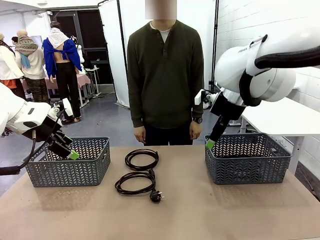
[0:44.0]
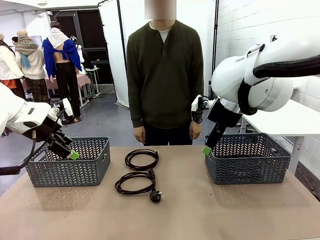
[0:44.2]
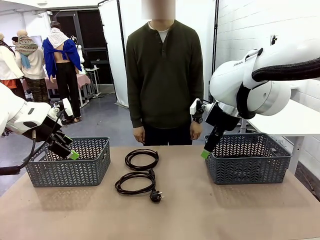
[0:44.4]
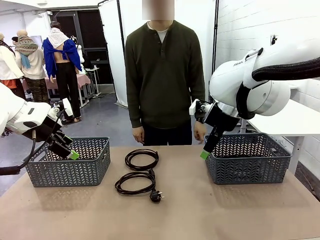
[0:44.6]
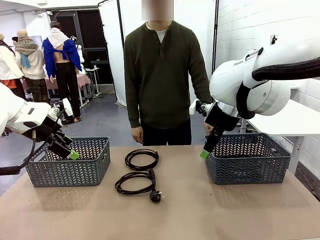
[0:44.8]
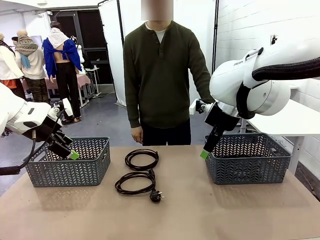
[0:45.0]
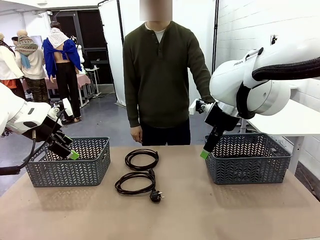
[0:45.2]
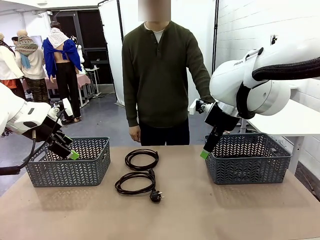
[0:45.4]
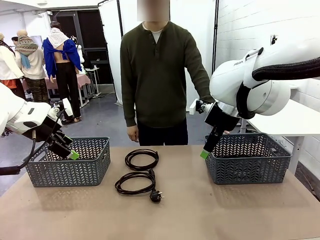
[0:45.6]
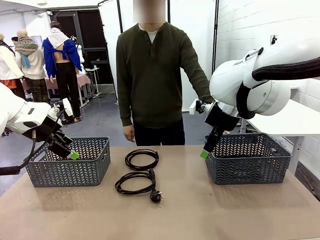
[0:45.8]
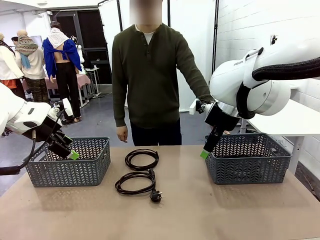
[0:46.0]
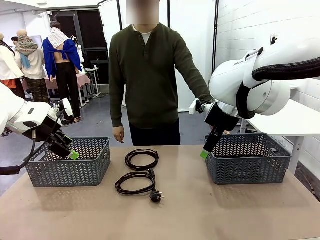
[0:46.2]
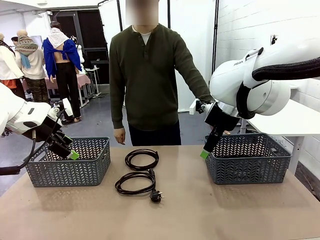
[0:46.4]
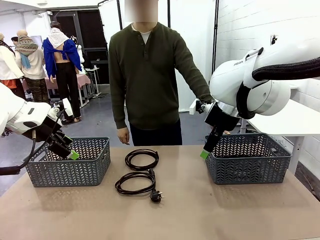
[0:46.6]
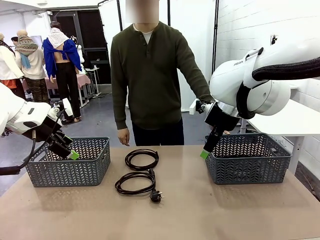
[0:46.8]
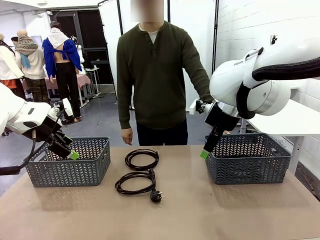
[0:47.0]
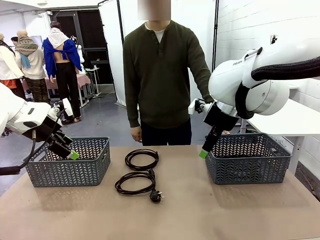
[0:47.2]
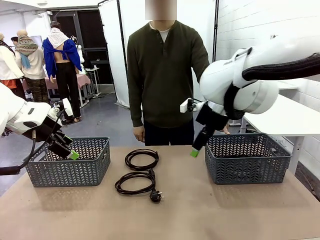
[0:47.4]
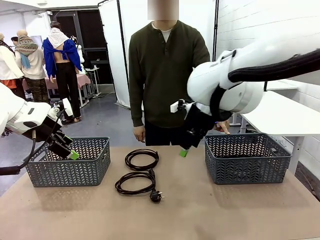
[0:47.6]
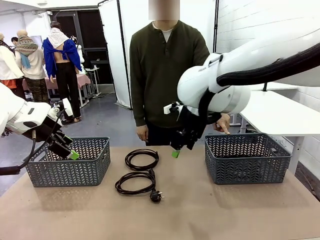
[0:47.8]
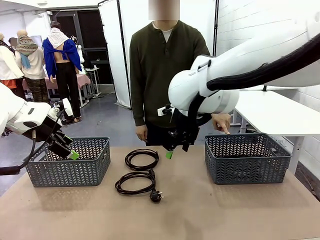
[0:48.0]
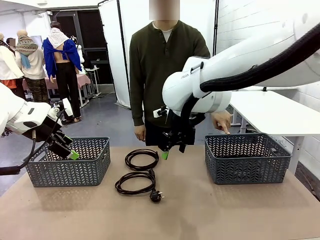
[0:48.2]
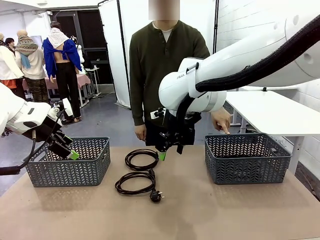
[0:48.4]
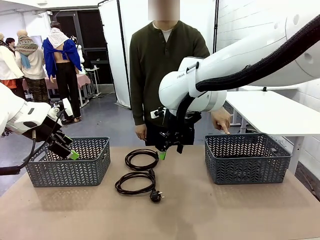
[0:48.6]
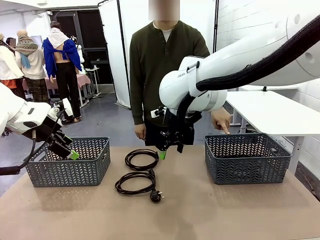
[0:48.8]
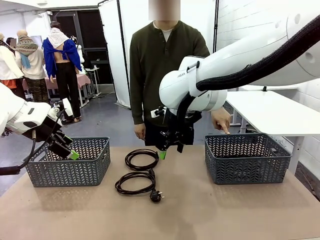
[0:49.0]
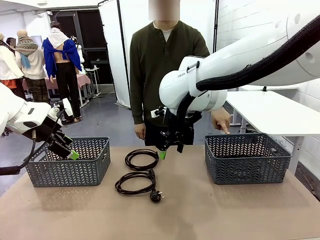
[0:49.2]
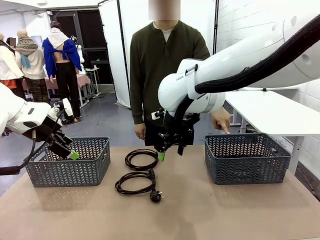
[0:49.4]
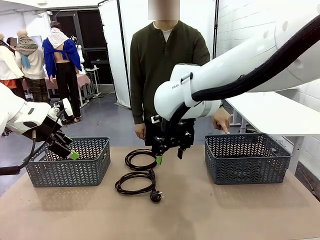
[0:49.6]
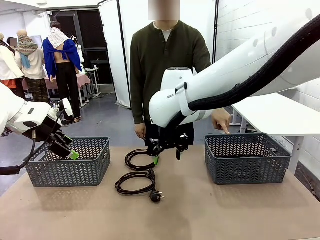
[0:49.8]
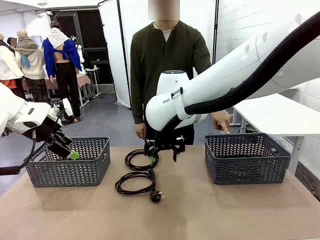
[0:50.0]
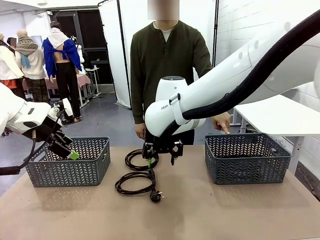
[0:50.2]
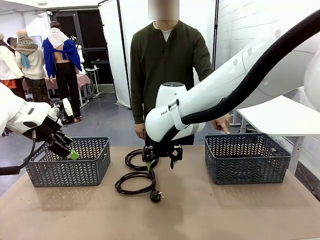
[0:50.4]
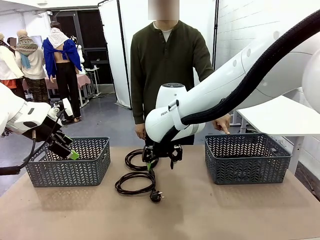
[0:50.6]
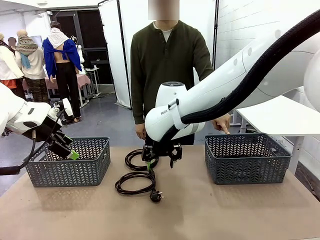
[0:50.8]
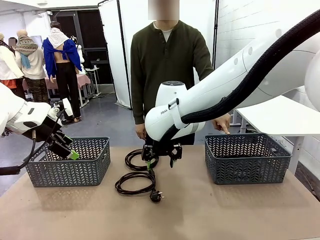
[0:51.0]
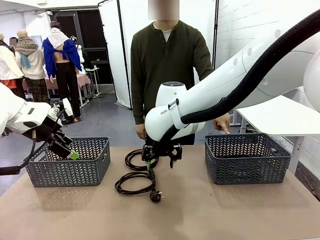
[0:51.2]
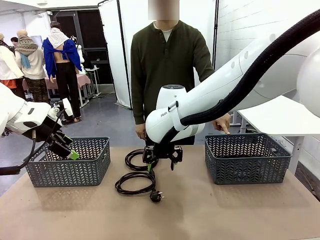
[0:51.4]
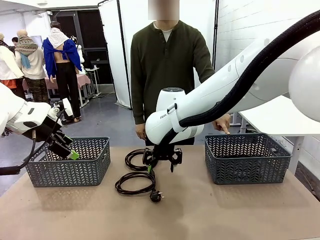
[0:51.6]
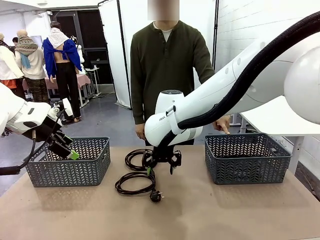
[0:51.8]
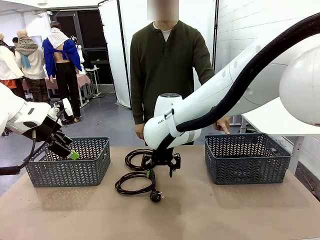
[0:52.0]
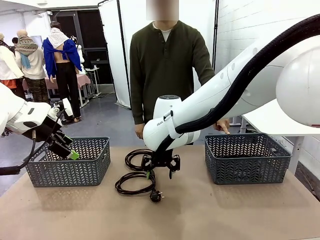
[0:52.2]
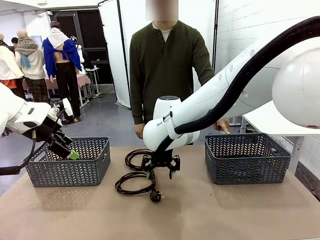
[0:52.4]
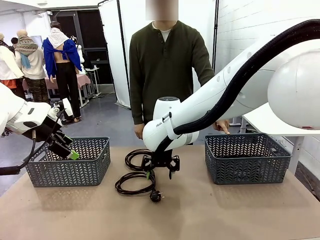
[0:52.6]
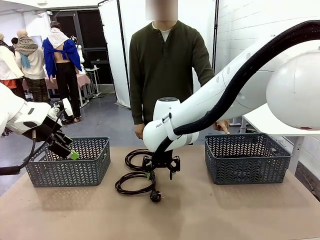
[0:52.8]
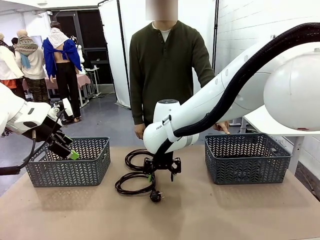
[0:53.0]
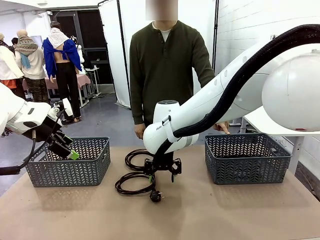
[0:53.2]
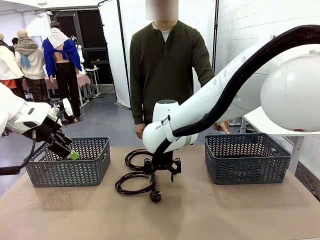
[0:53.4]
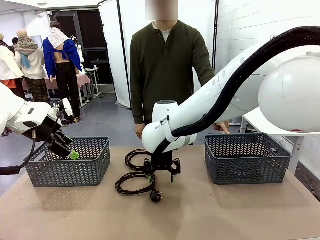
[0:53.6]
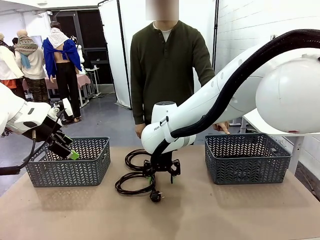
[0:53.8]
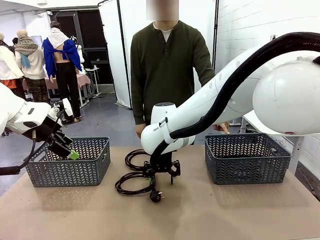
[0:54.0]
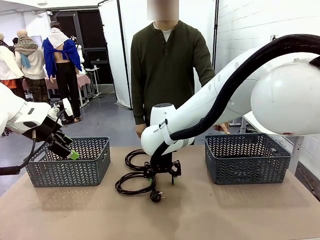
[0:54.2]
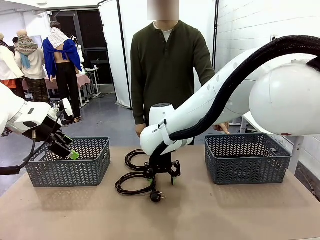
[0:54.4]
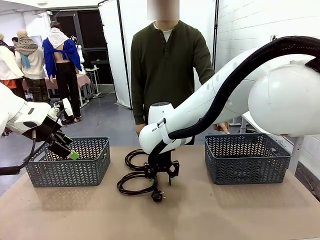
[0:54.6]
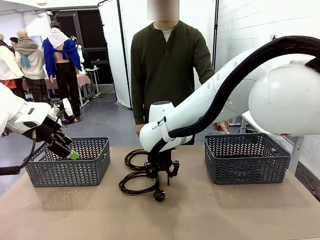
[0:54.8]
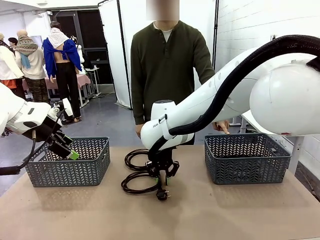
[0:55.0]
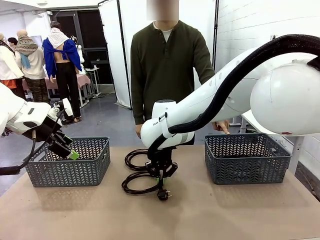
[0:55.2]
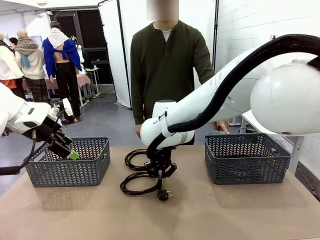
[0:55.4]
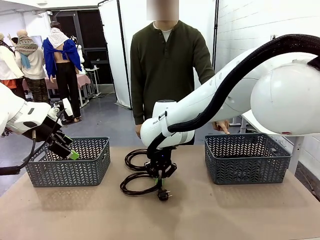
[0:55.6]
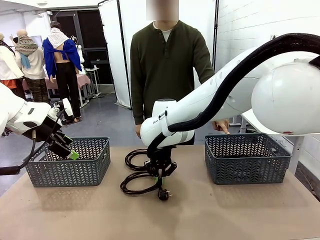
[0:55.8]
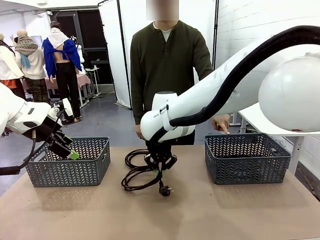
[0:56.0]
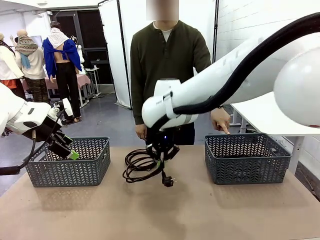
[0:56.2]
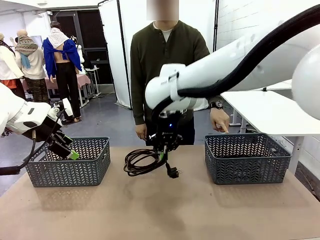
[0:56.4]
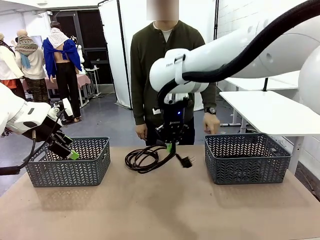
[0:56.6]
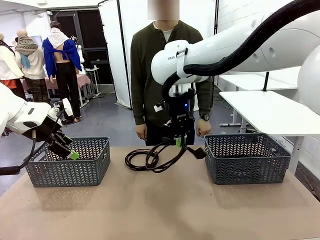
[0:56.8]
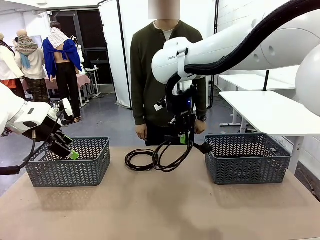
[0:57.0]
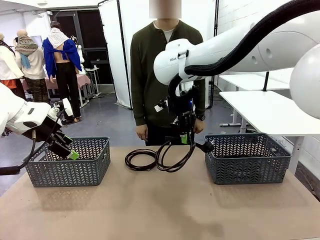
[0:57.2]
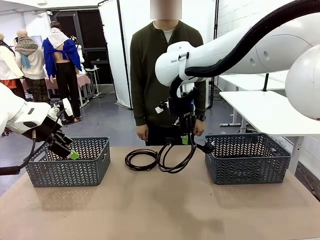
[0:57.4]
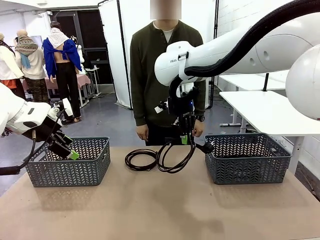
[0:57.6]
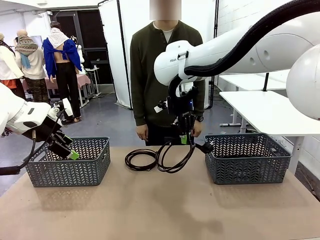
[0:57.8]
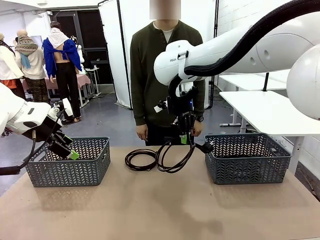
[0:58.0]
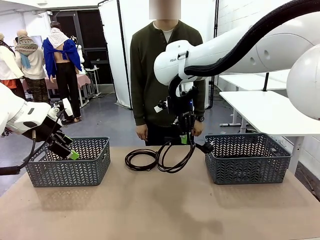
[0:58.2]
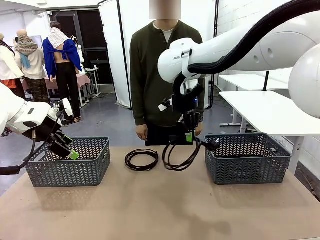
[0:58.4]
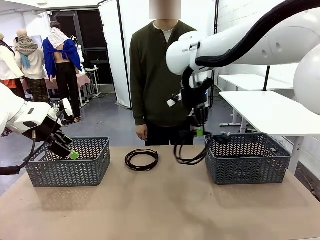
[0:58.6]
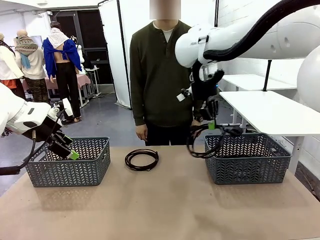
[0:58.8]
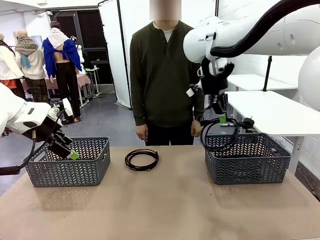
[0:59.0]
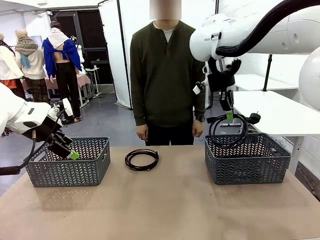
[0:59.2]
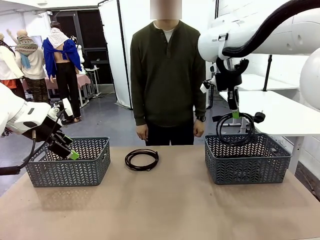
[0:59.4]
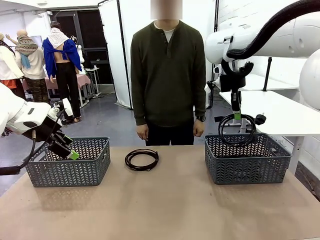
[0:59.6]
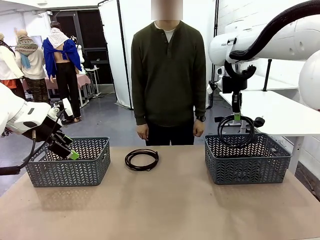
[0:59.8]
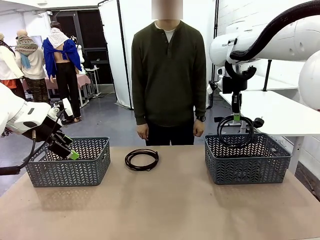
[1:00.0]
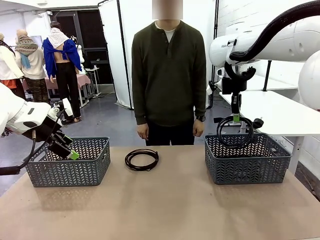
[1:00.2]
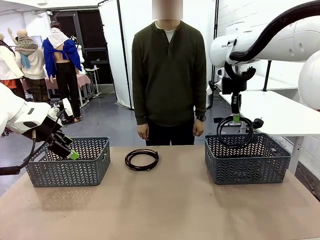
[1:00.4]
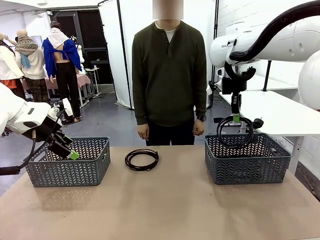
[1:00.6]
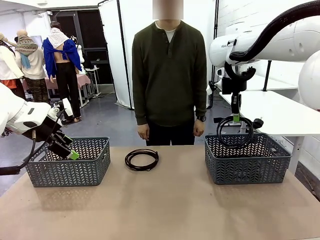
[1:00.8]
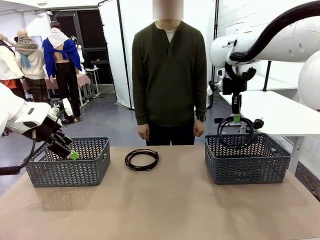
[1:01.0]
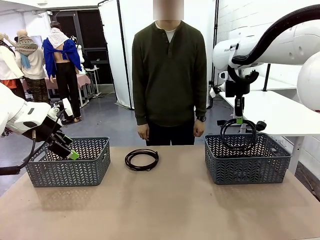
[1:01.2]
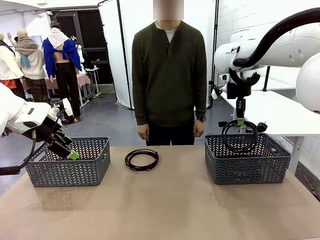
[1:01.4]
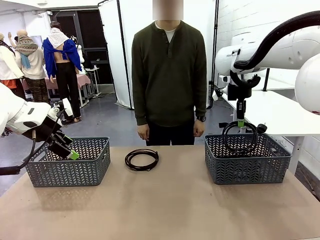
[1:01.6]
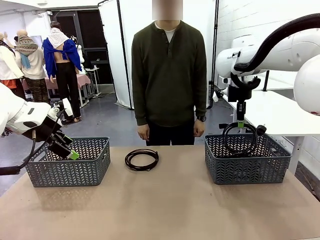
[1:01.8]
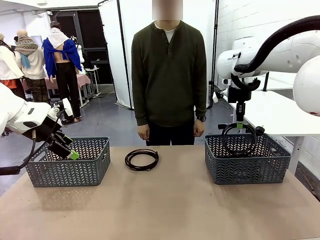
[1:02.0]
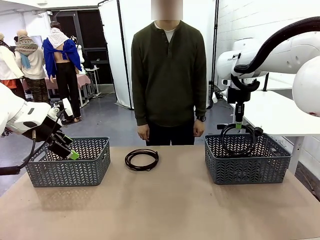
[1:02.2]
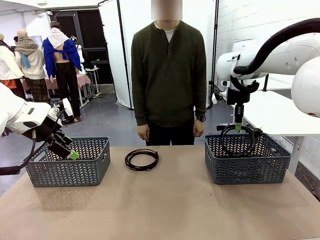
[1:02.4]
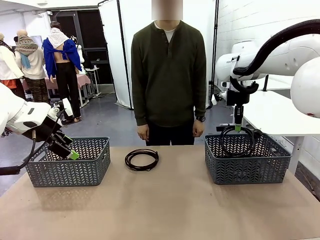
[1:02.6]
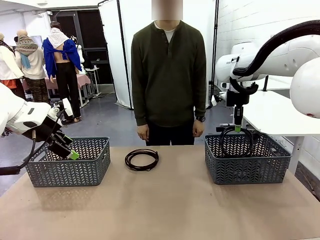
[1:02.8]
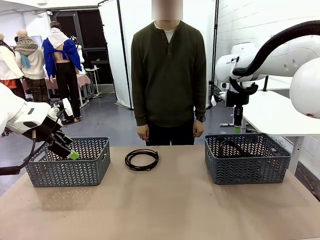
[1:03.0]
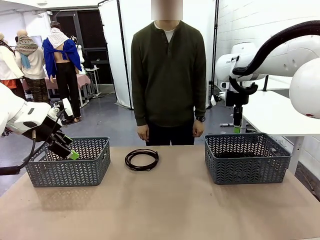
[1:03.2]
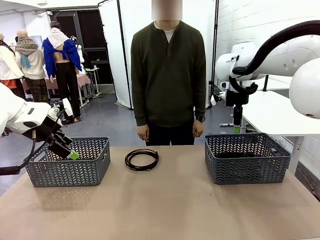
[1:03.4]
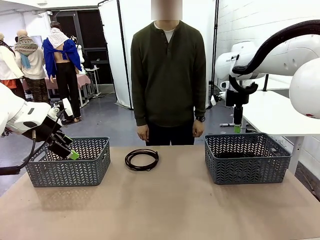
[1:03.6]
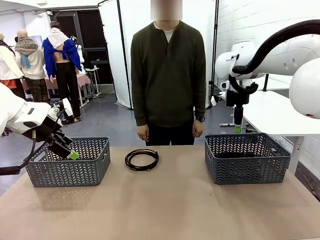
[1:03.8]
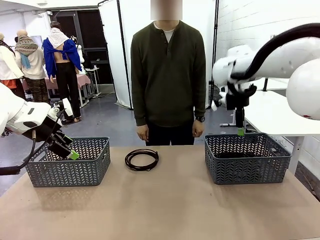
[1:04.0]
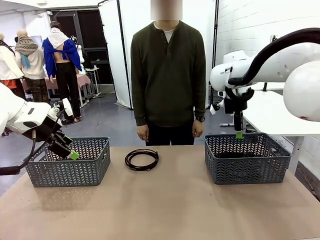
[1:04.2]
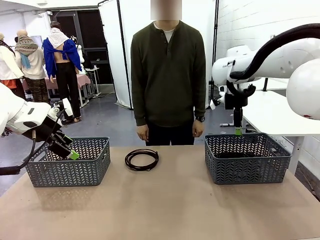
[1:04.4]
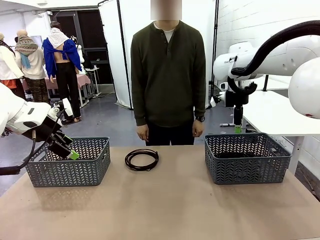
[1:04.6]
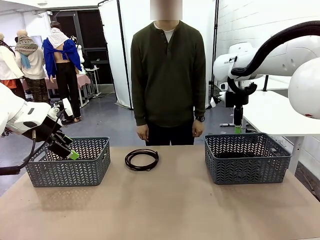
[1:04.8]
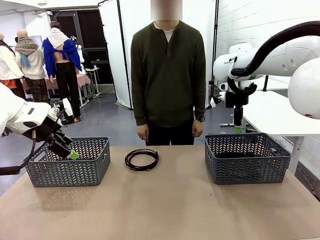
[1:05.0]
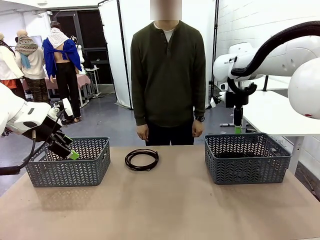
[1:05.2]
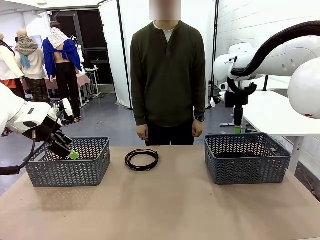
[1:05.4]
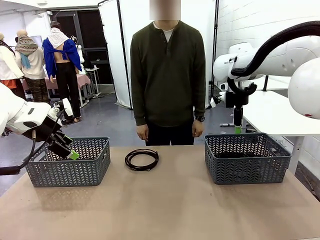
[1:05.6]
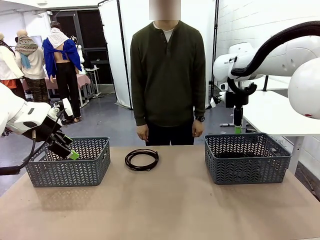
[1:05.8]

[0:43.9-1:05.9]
Task: Organize the cables according to human instructions.
Robot: Pick up a bundle of cables and place it in the basket indicated by the human.
